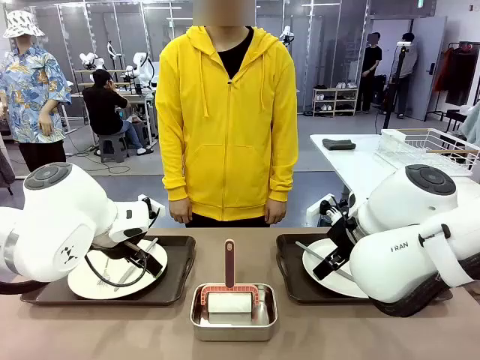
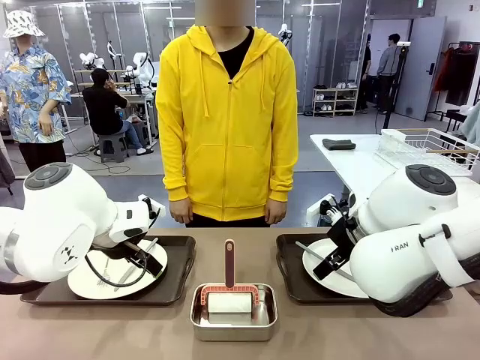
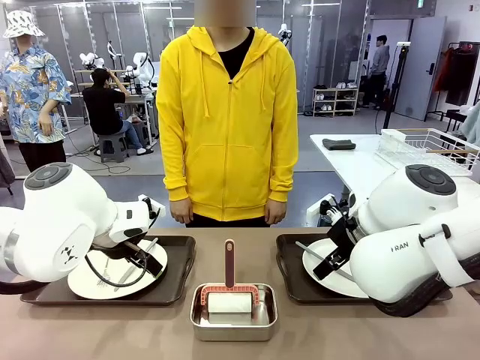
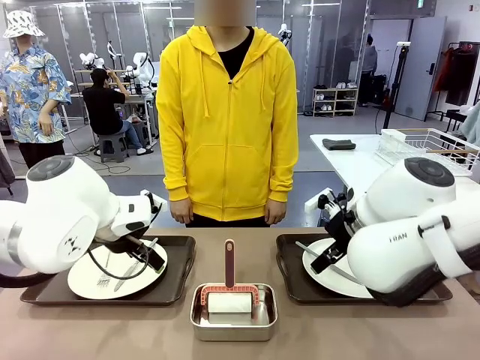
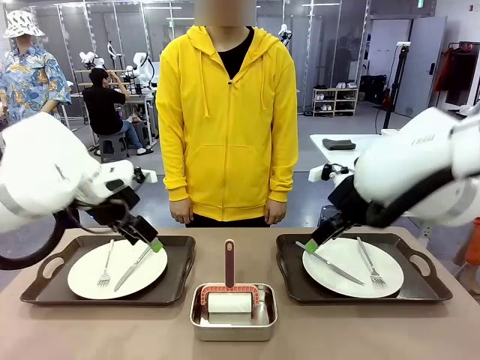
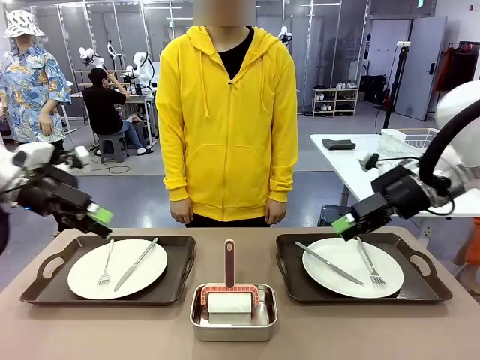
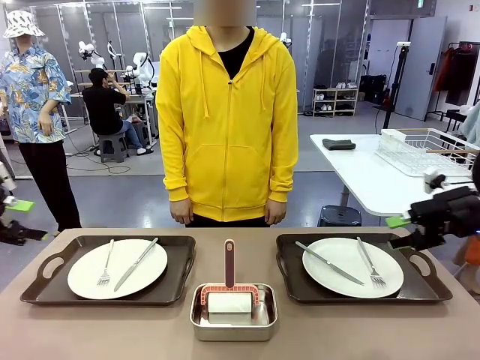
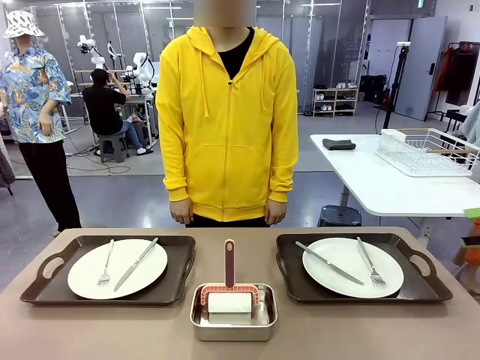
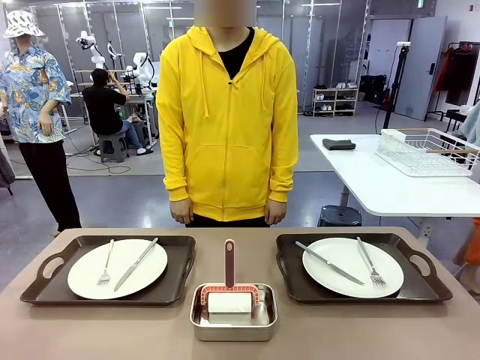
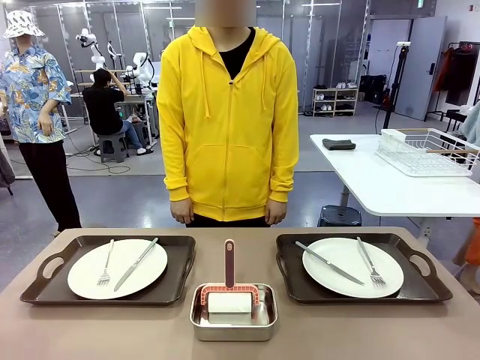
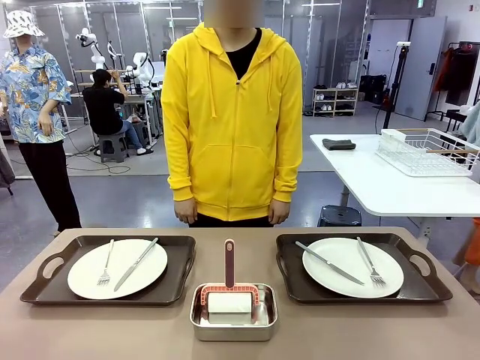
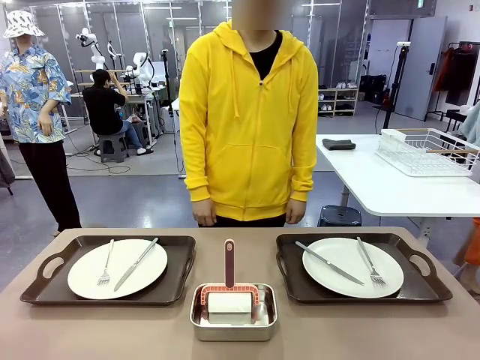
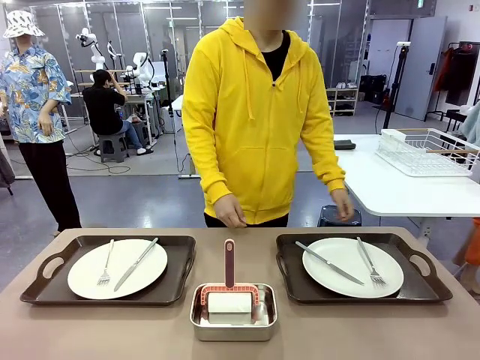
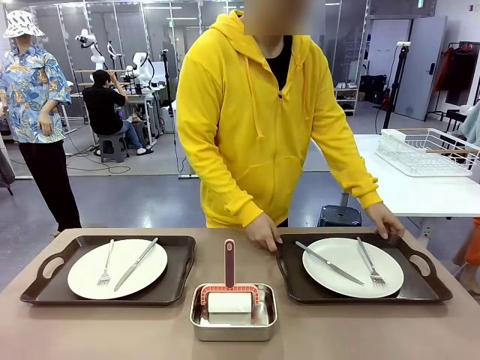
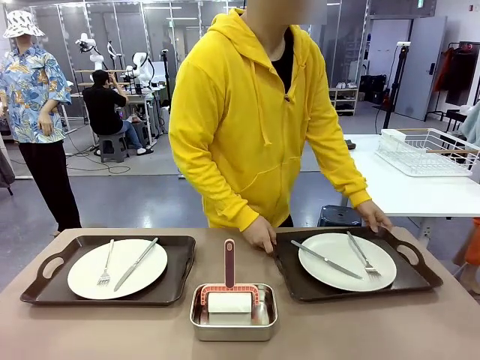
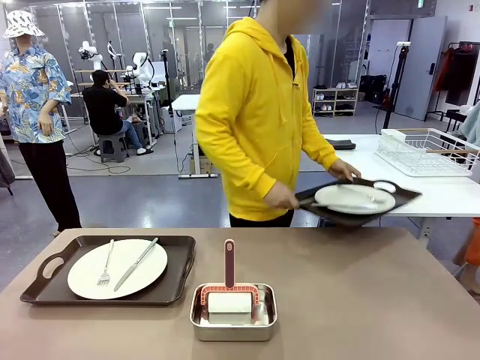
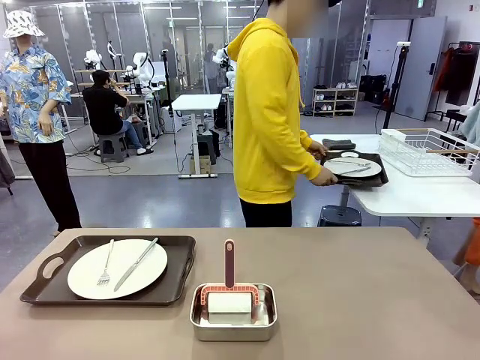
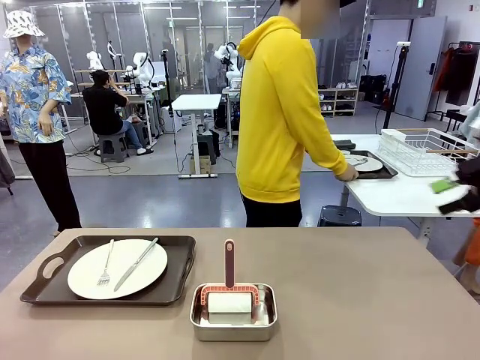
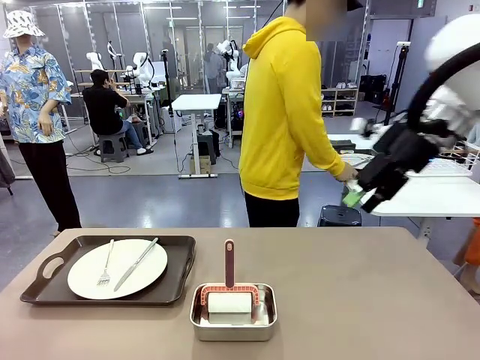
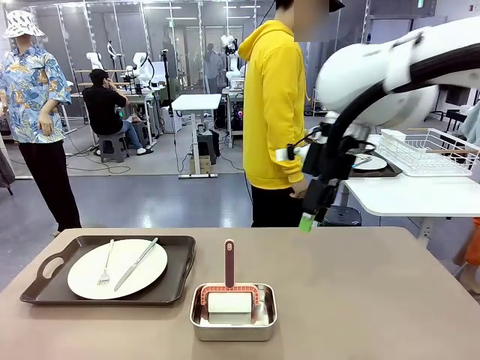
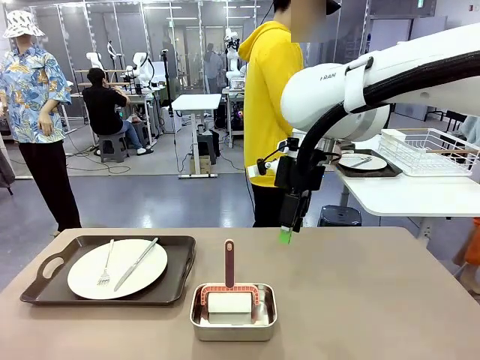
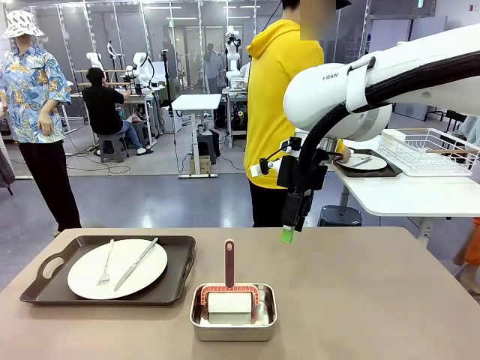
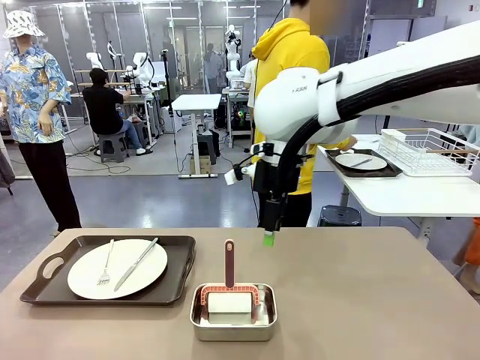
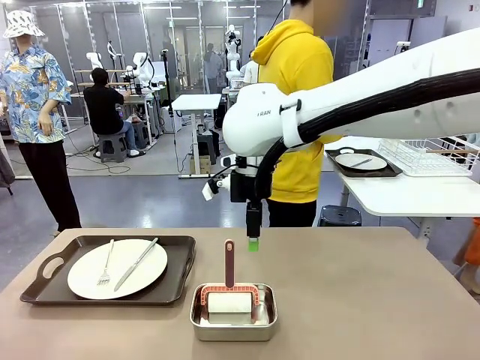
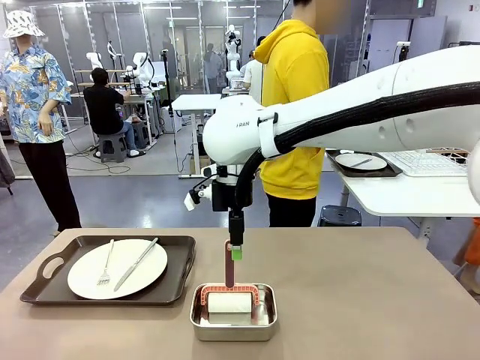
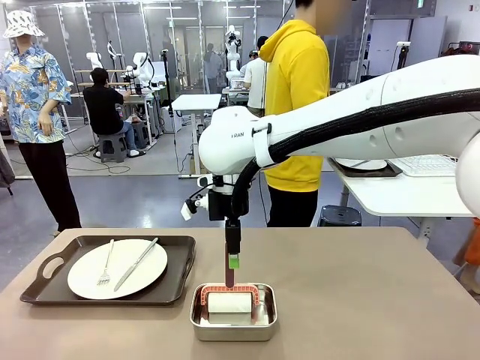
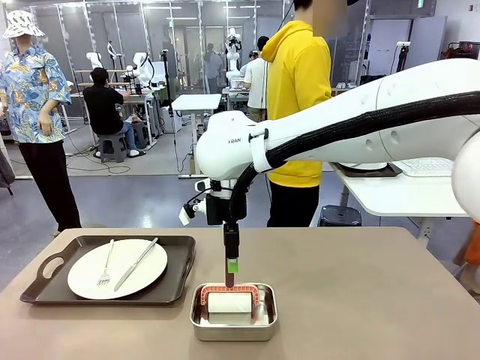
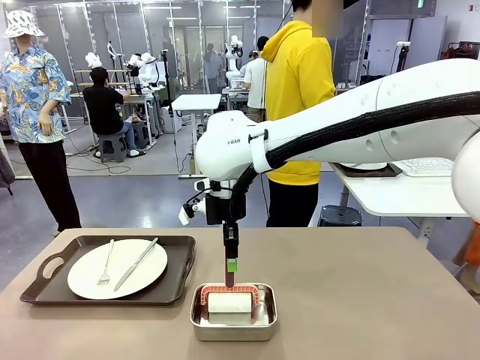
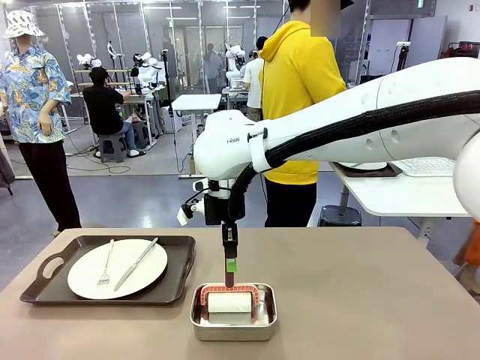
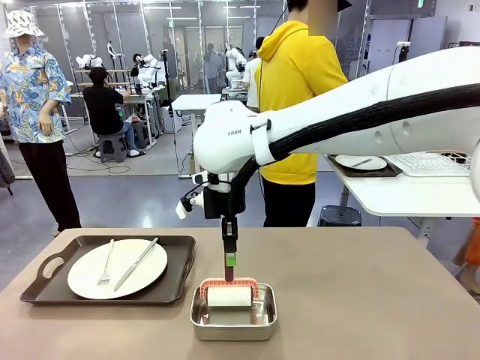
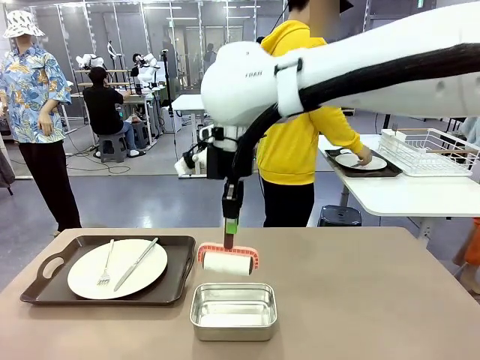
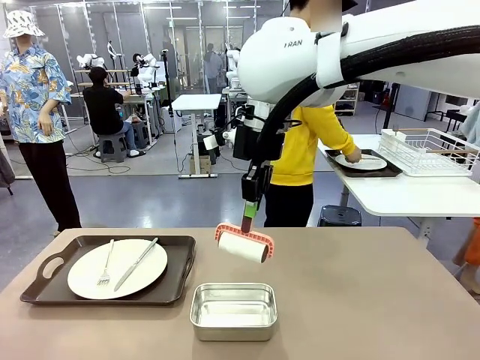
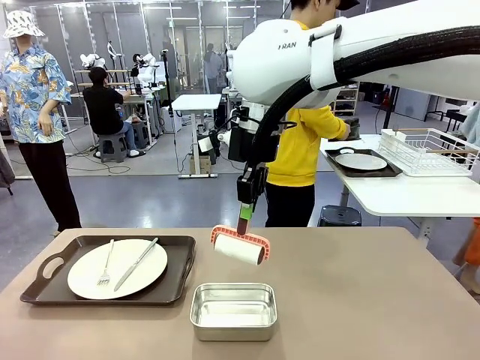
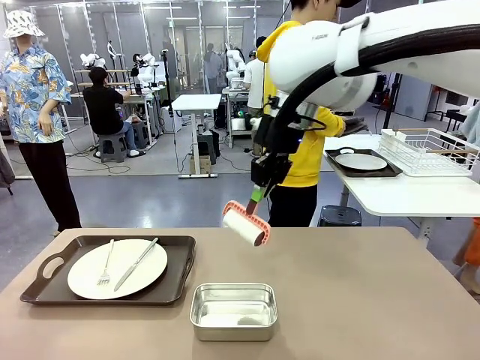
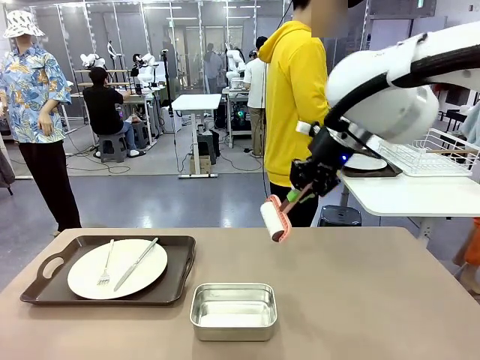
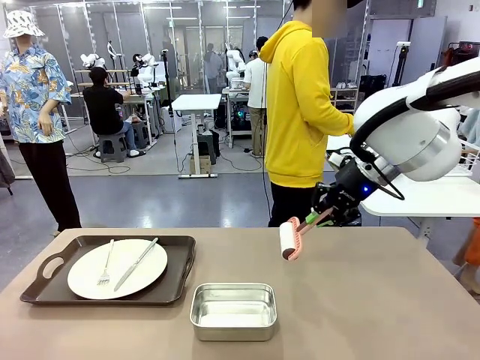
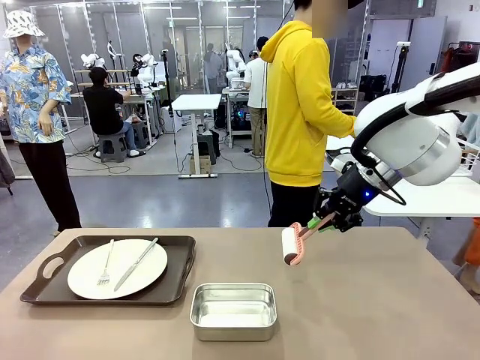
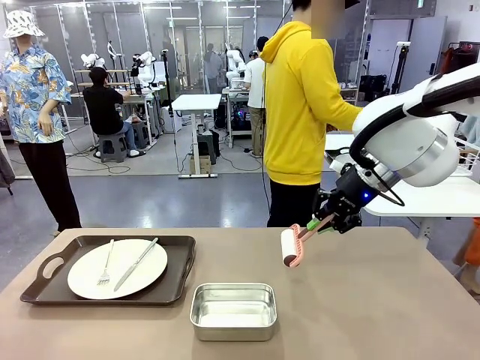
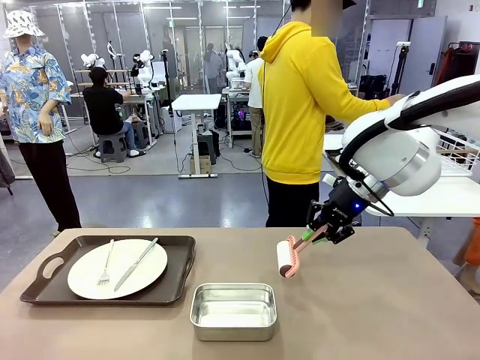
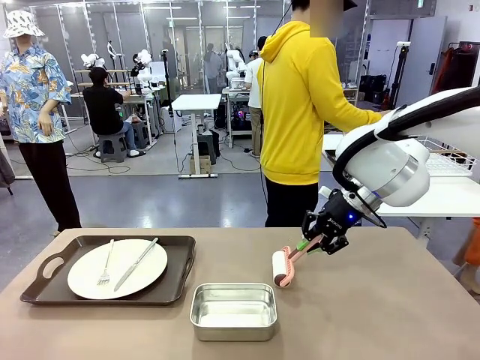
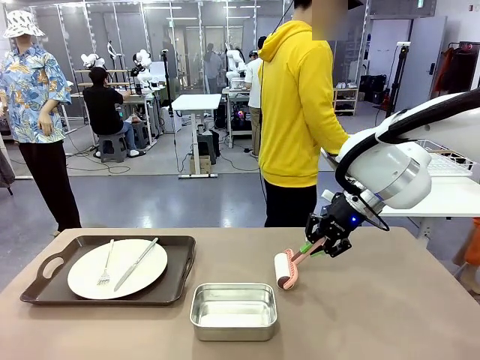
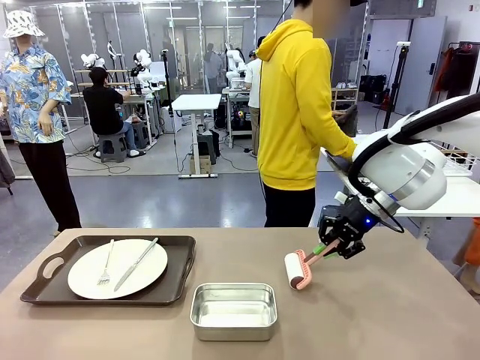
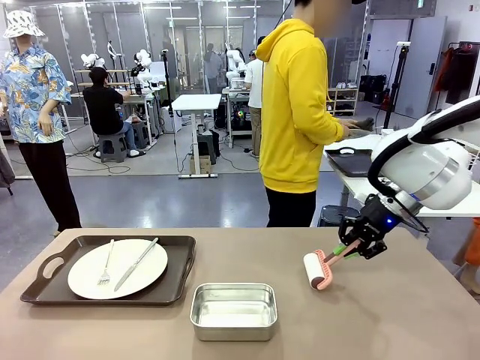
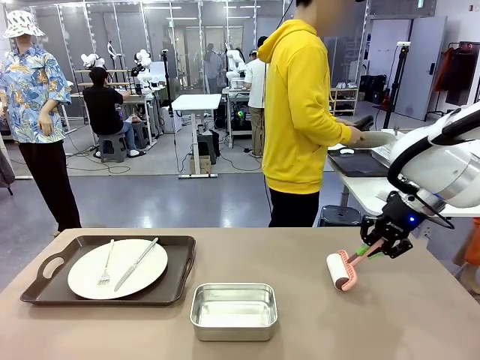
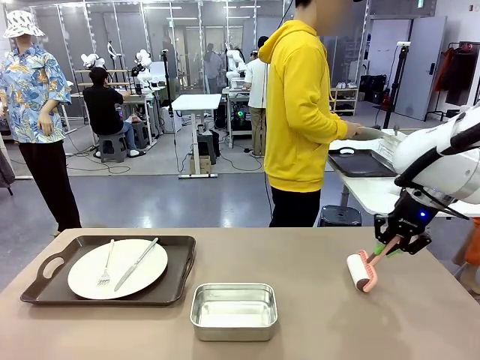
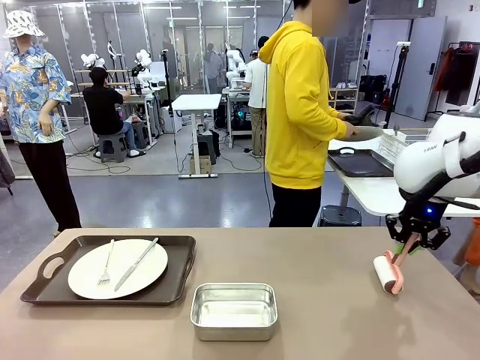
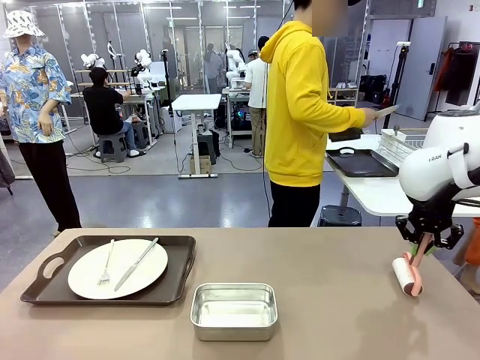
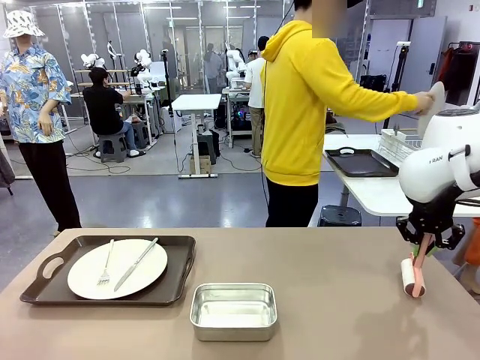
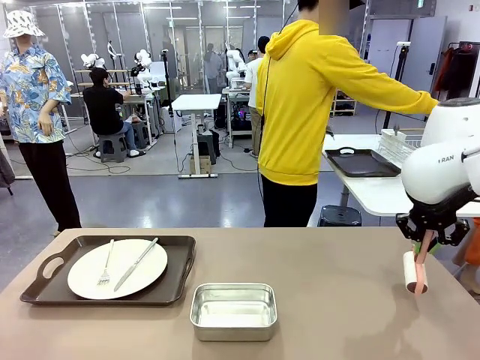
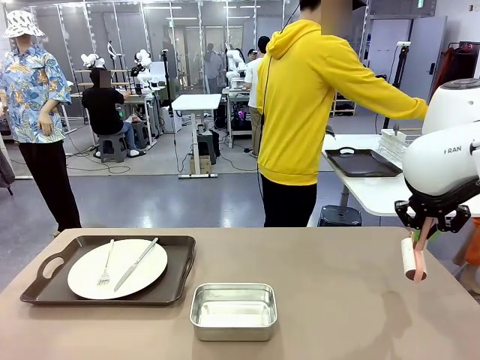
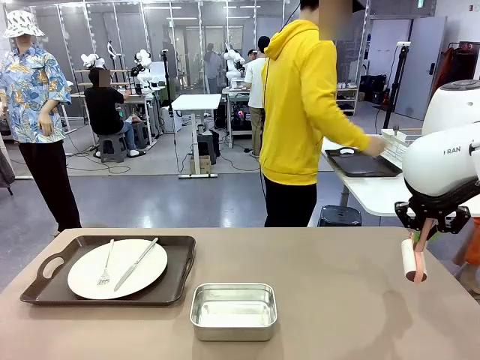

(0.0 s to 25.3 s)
Robot: When the left (or right) Handle tray is removed, use the left hand (or right hand) to clean the left (or right) side of the table with the Lint Roller.
Person: Pick up the left (or right) Handle tray and place it on the middle of the Human's table. Use the Towel with hook to wipe the Plastic Matte Plate , Fork , and Knife and place into the Dish drying rack.
